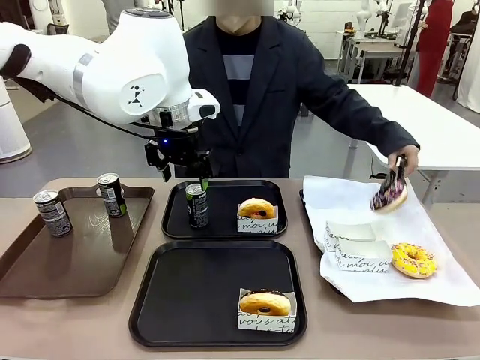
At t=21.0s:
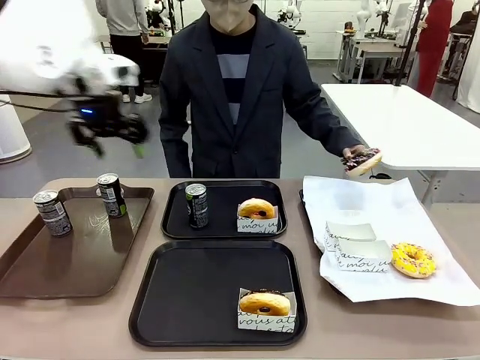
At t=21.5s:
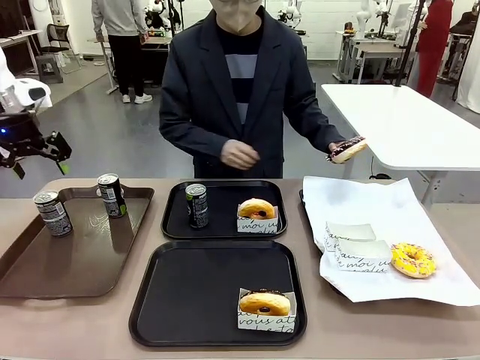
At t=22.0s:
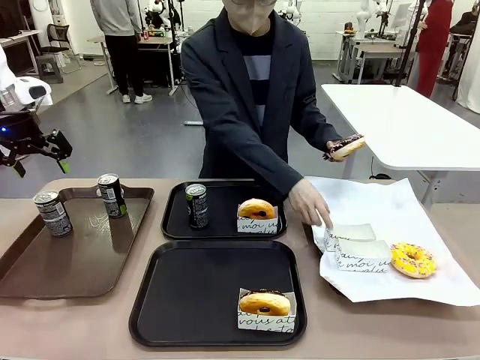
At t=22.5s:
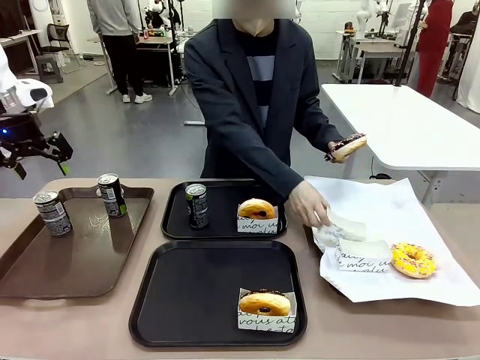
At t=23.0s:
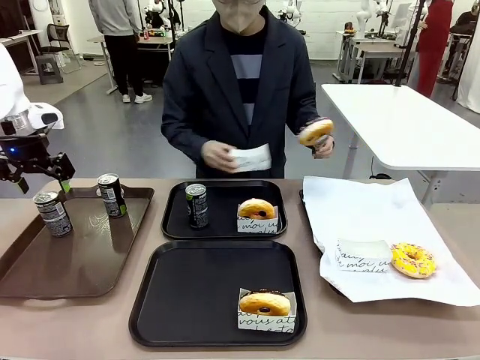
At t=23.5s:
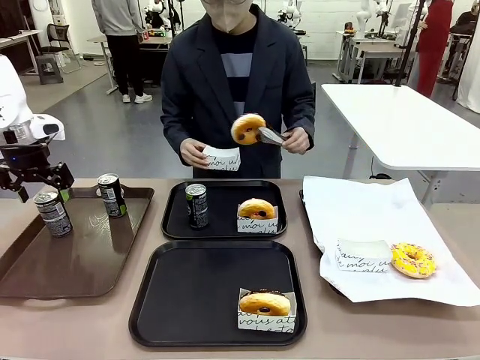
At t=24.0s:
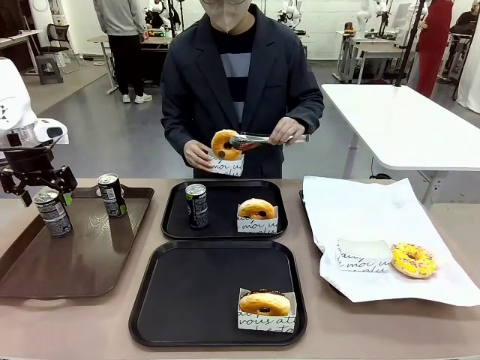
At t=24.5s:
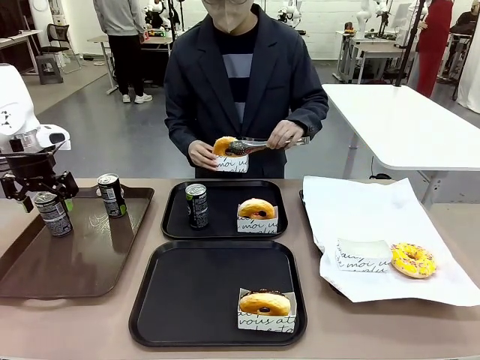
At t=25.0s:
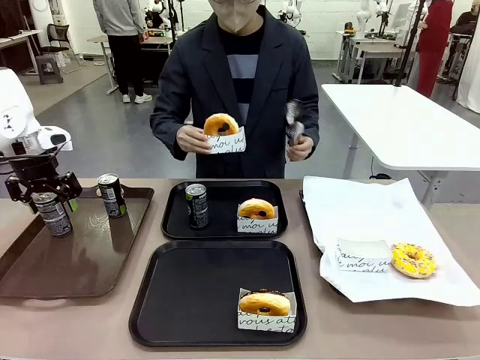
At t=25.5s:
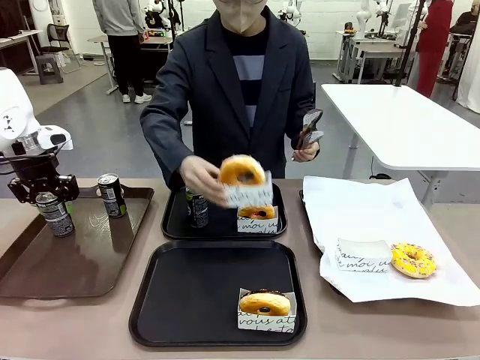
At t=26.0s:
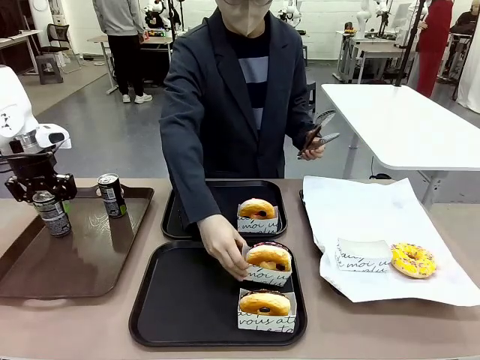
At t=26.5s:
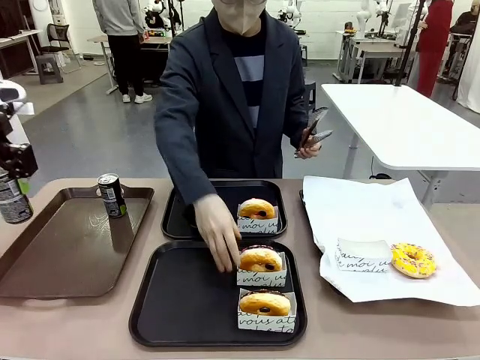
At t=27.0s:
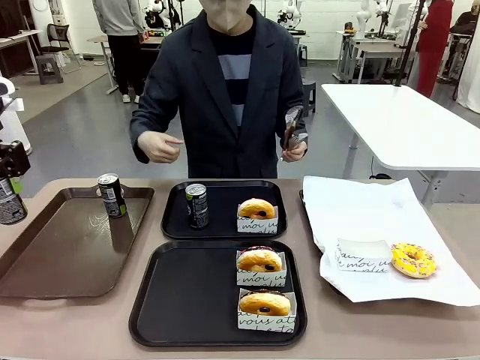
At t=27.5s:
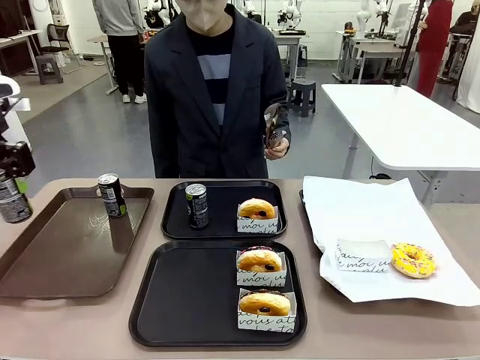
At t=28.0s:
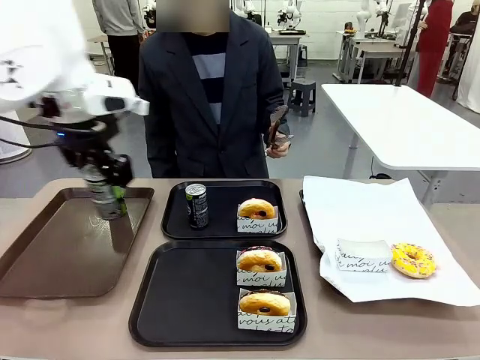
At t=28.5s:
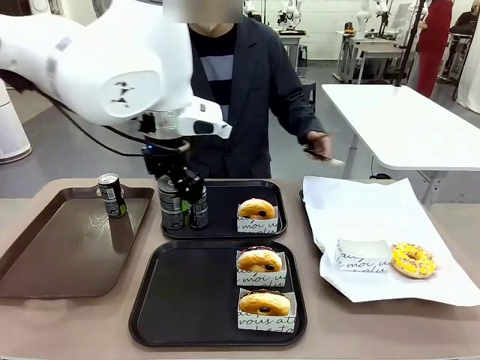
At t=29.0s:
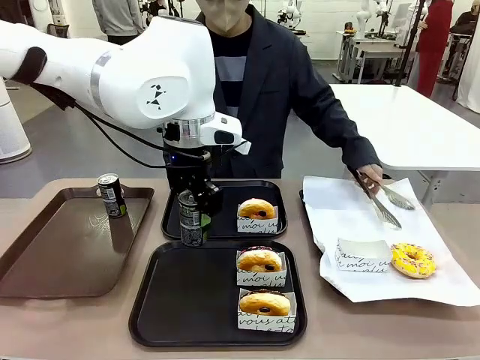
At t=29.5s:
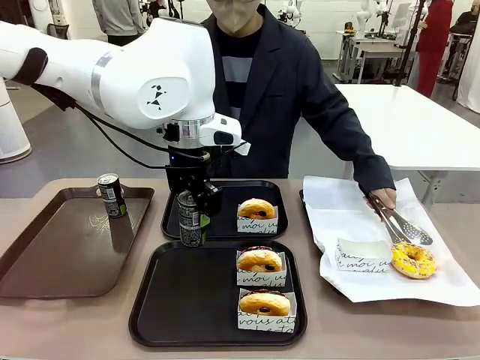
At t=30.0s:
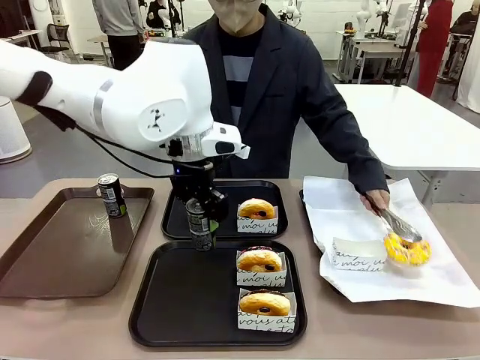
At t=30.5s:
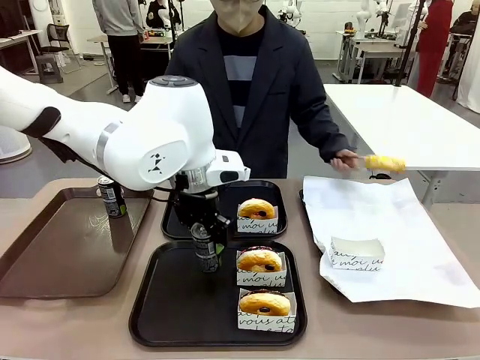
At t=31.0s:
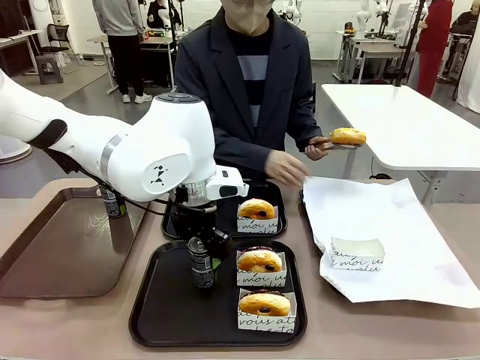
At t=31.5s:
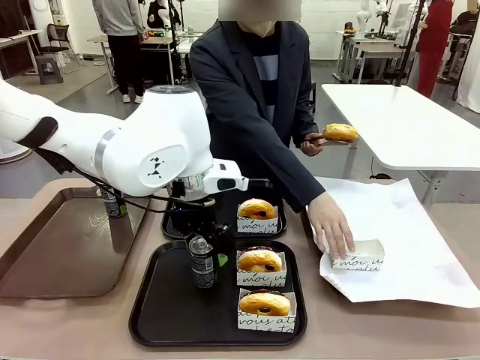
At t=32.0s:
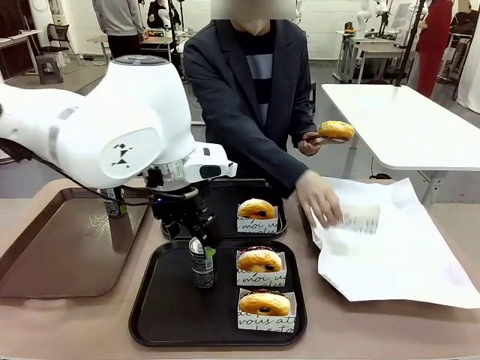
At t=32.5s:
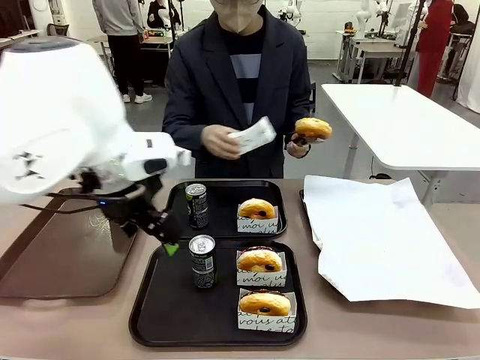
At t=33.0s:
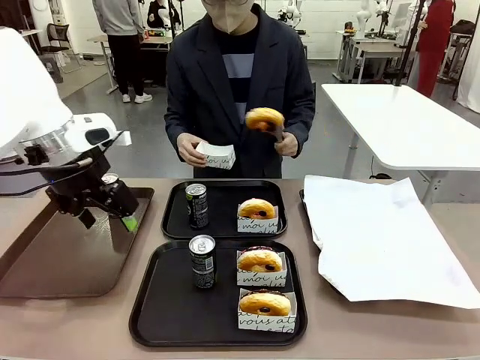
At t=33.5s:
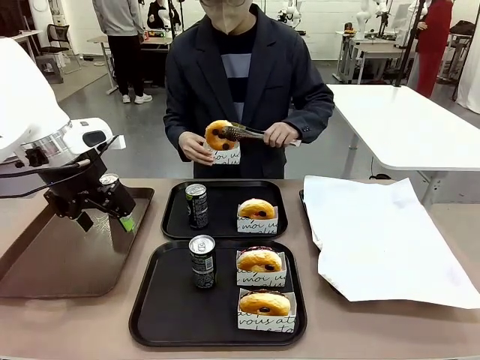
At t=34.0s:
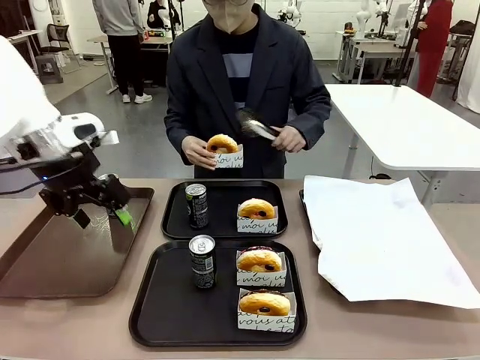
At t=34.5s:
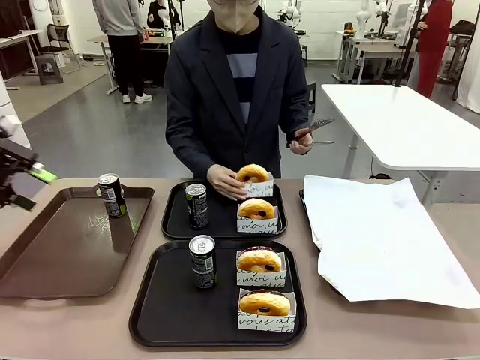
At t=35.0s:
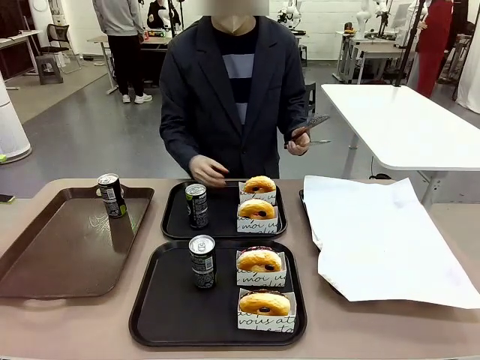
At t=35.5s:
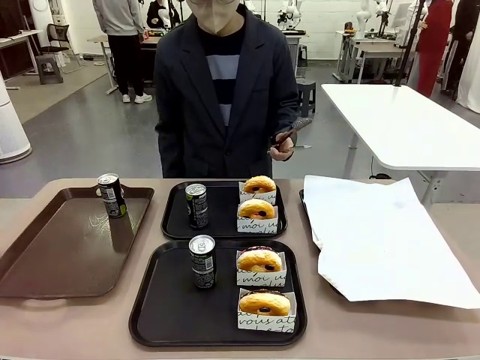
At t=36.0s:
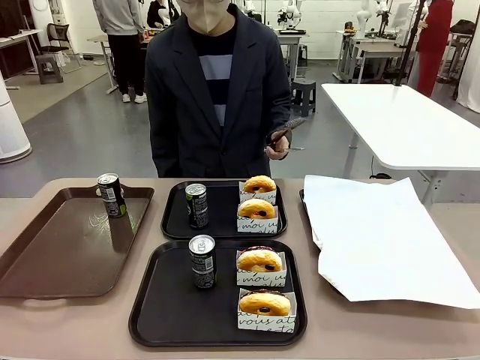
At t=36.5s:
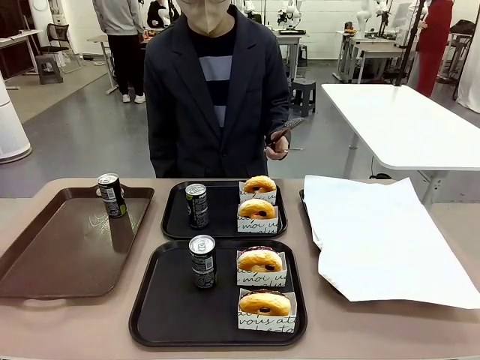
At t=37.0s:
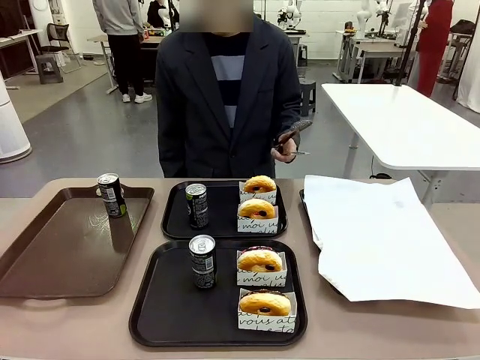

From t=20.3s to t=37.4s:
Task: Set up donuts and drinks on trays.
Robot: Pick up one Pepsi coke from the Handle tray and place it on the Flat Tray without a Pepsi coke.

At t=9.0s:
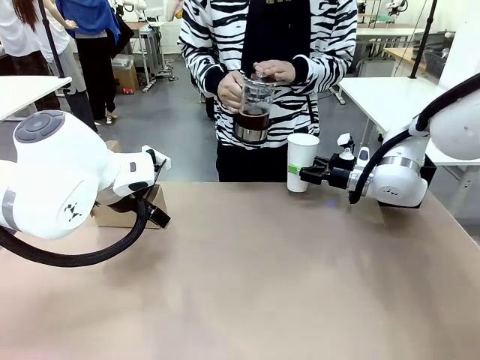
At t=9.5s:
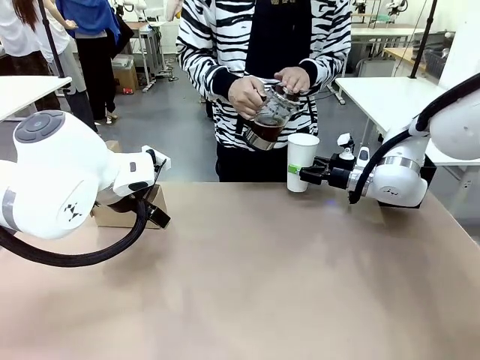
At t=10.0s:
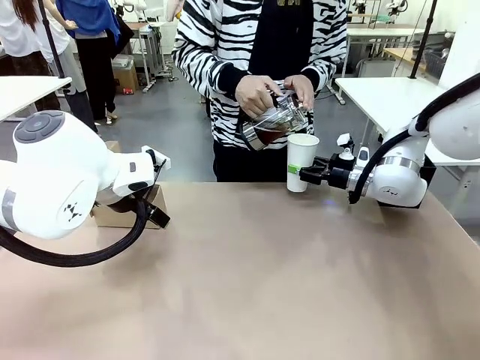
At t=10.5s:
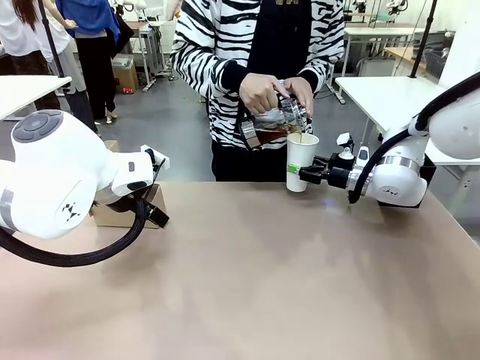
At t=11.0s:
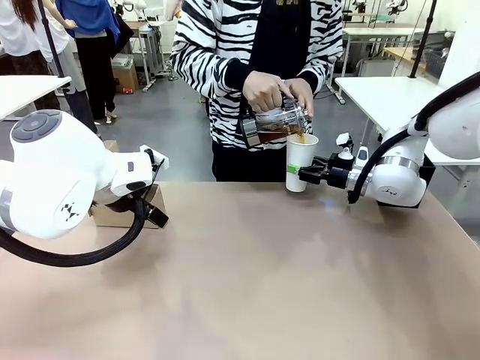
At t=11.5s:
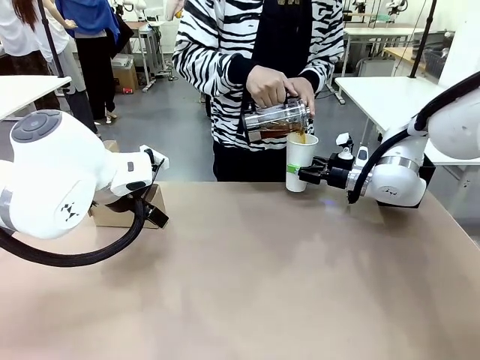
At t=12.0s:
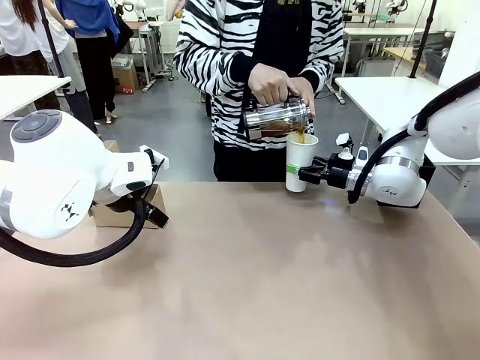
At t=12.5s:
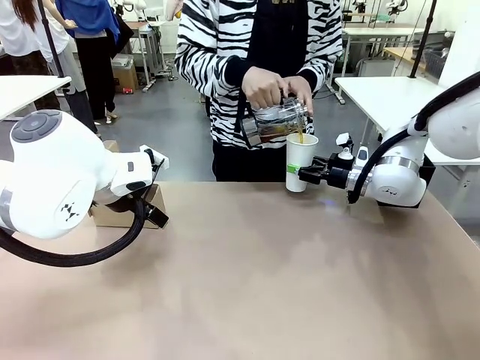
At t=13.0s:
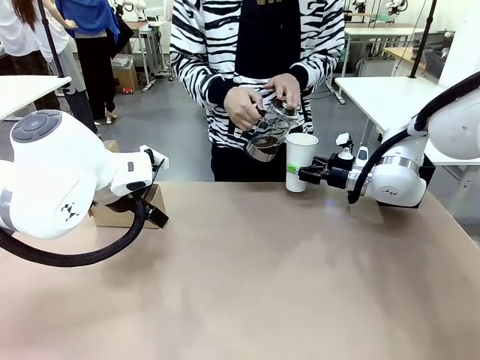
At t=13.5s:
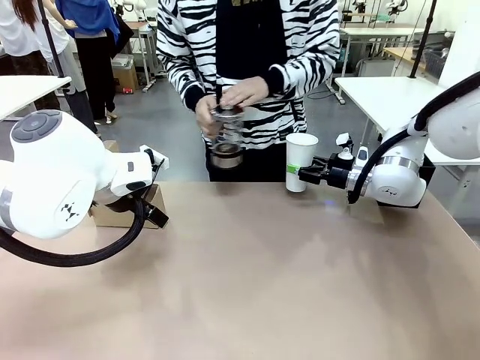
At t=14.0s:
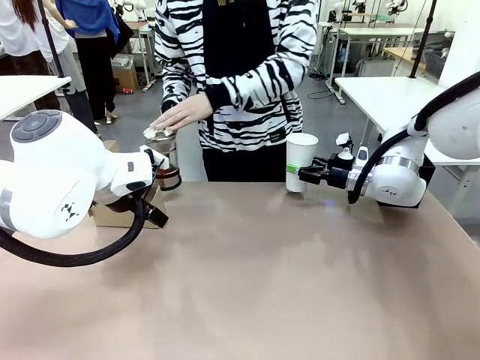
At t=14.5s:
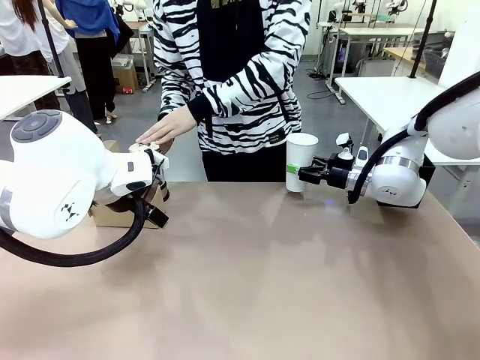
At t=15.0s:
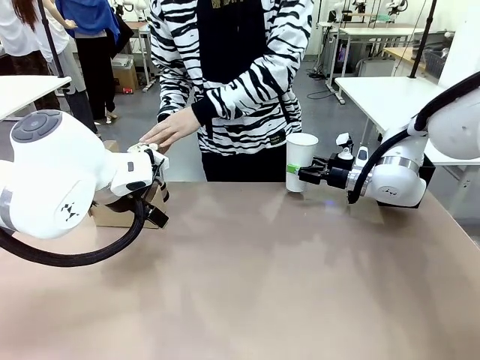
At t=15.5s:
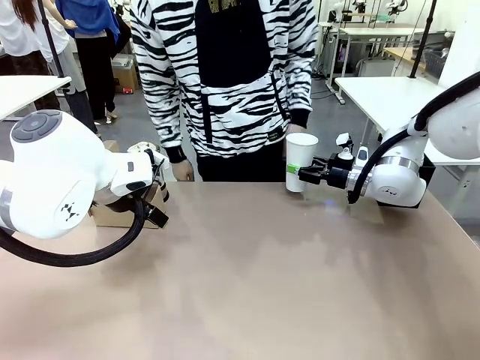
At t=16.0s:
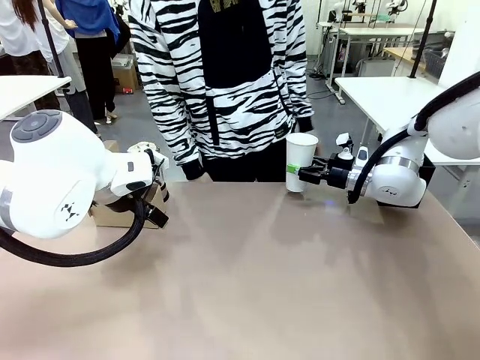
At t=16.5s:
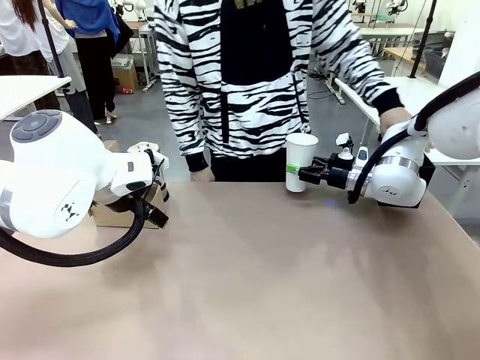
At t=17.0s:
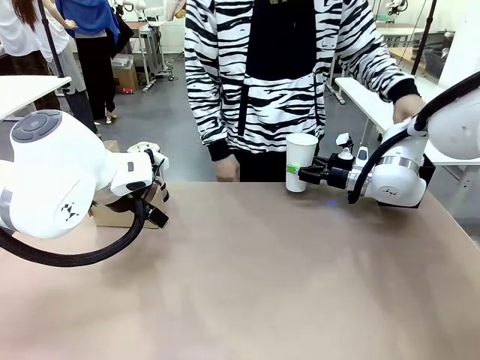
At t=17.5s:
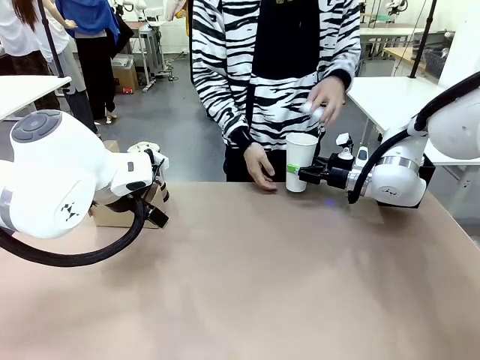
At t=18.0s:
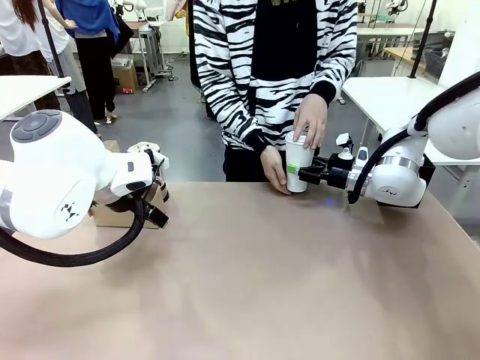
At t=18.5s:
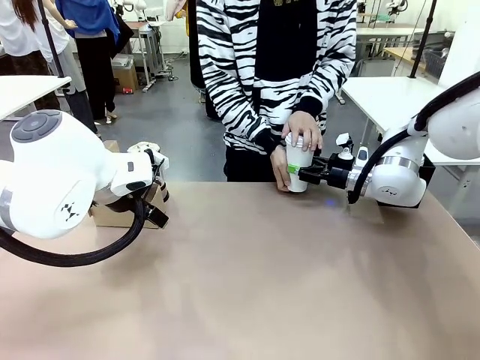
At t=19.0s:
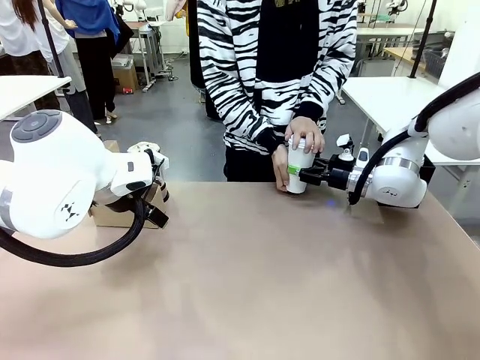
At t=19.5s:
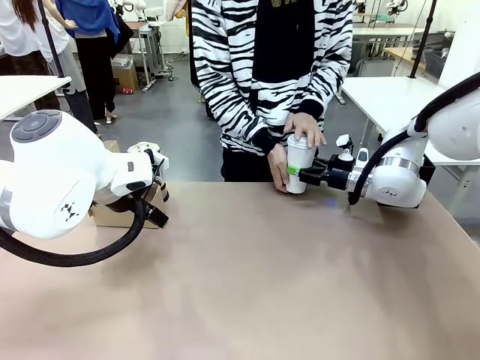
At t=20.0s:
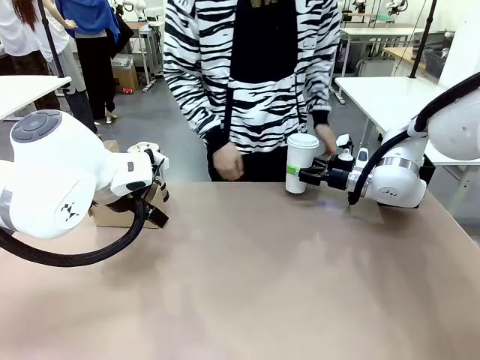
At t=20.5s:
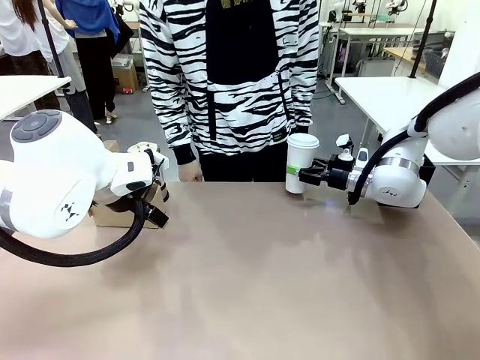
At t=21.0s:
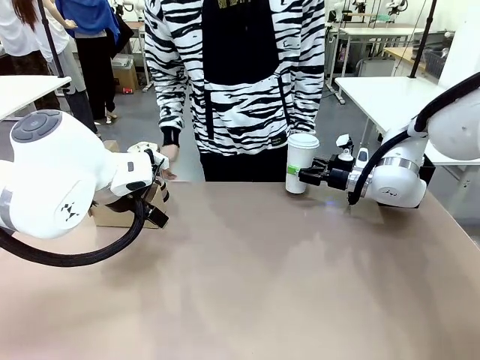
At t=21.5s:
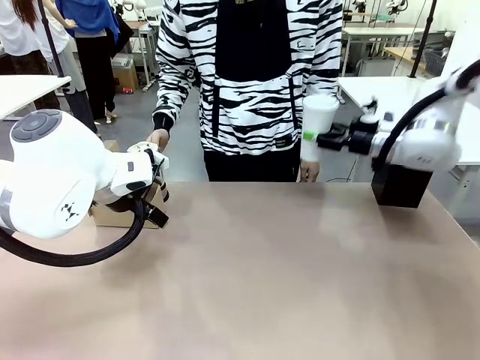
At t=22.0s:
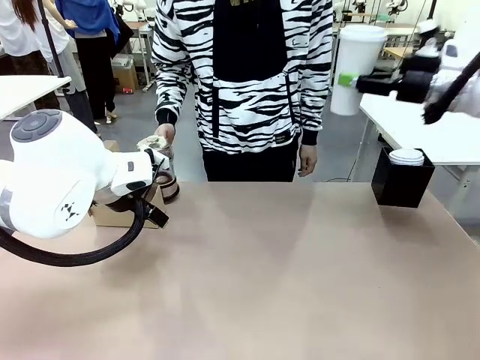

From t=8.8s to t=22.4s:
Task: Pour a drink into a cup and package it in a carrier.
Robot: When a person places the Paper Cup Lid on the 600 ml Paper Cup , lift the 600 ml Paper Cup.
Person: Pour the drink from the Filter Brewing into the 600 ml Paper Cup. Place a Paper Cup Lid on the 600 ml Paper Cup.
